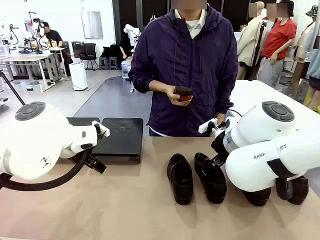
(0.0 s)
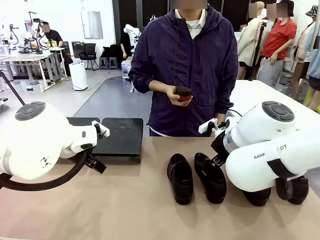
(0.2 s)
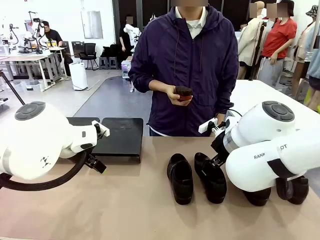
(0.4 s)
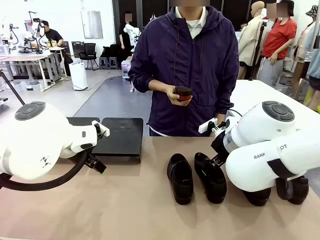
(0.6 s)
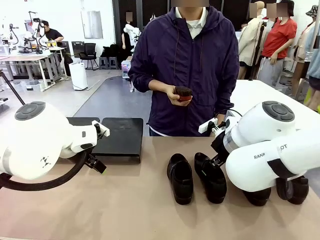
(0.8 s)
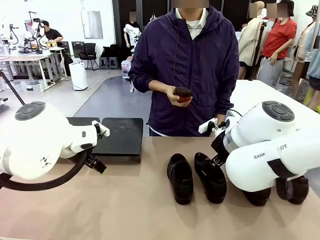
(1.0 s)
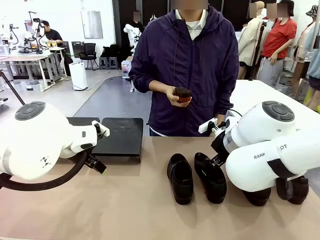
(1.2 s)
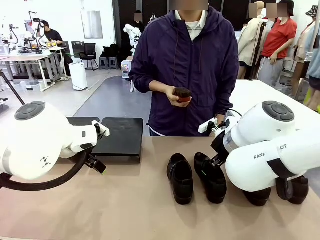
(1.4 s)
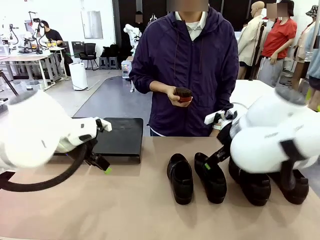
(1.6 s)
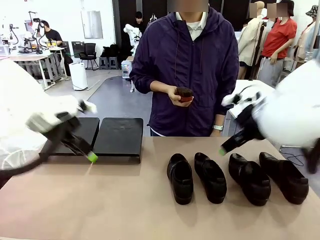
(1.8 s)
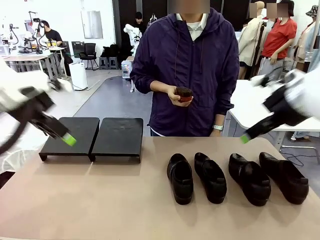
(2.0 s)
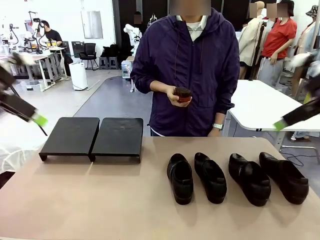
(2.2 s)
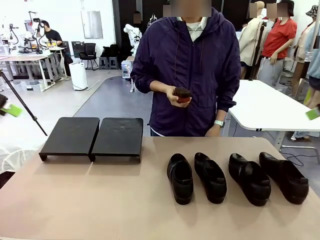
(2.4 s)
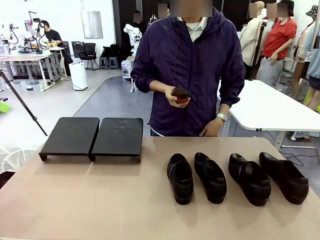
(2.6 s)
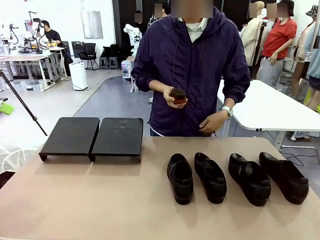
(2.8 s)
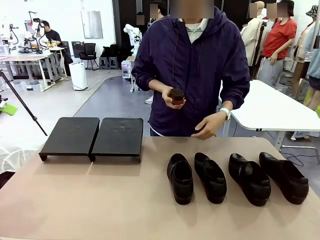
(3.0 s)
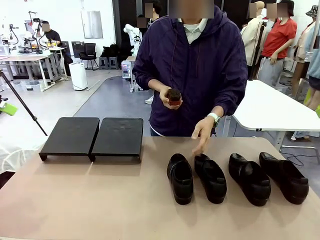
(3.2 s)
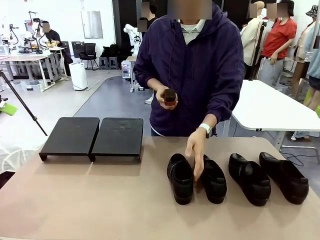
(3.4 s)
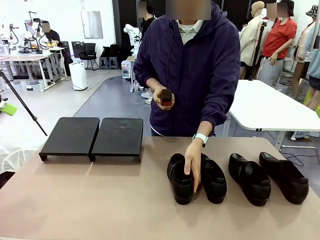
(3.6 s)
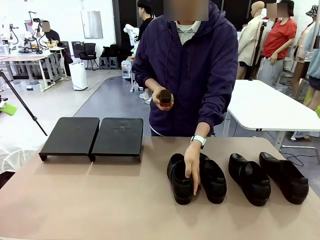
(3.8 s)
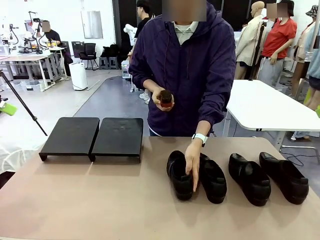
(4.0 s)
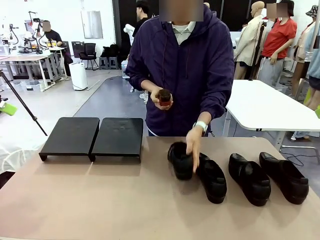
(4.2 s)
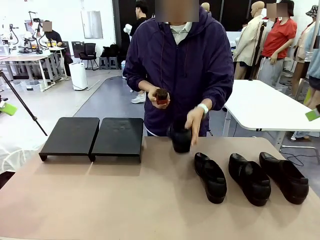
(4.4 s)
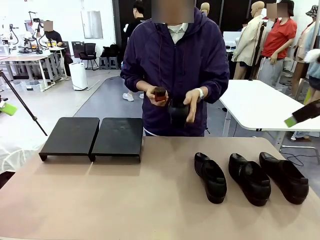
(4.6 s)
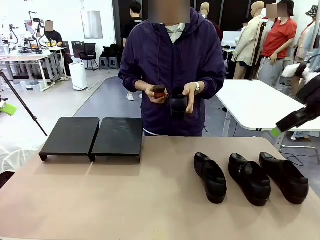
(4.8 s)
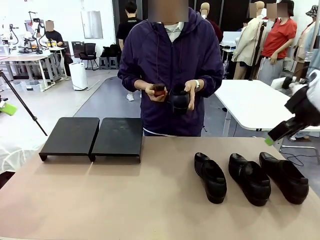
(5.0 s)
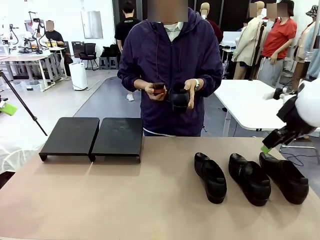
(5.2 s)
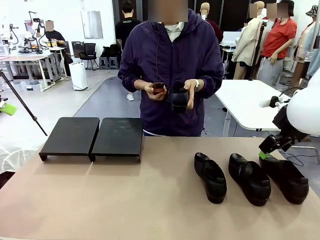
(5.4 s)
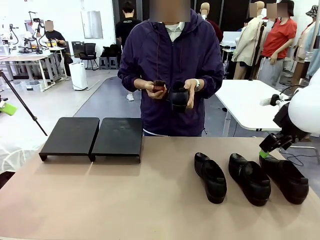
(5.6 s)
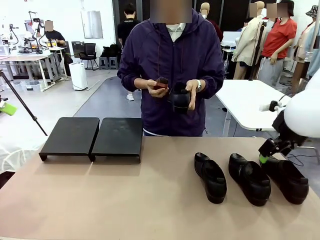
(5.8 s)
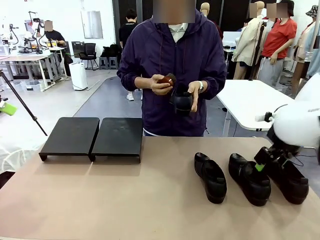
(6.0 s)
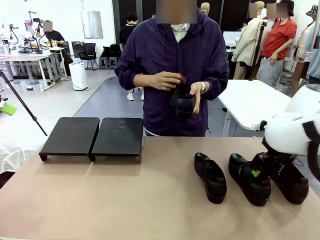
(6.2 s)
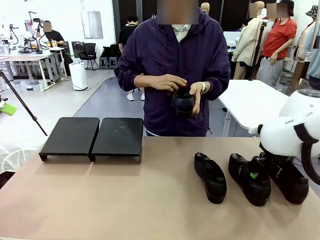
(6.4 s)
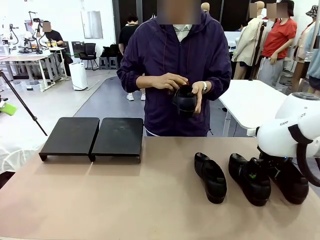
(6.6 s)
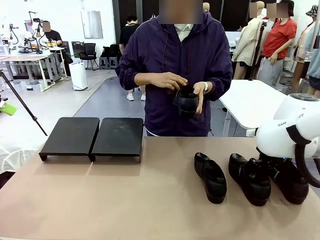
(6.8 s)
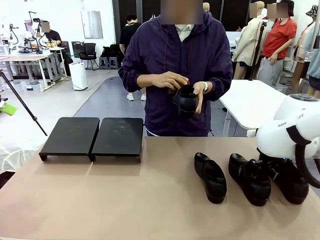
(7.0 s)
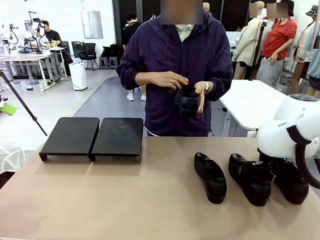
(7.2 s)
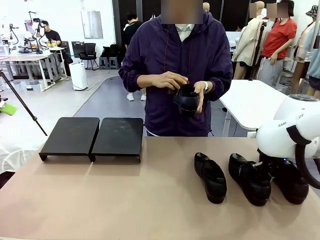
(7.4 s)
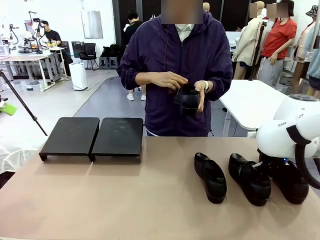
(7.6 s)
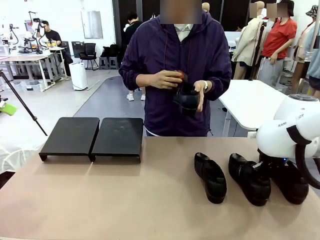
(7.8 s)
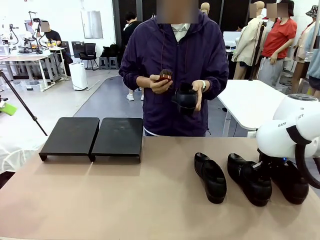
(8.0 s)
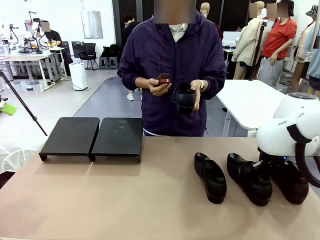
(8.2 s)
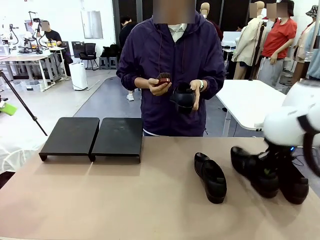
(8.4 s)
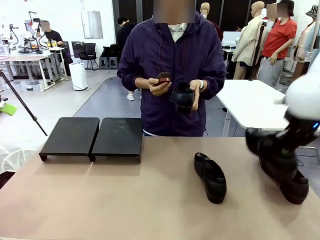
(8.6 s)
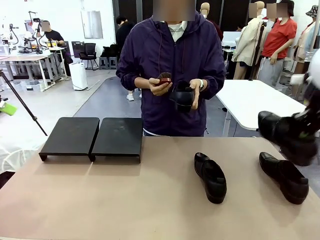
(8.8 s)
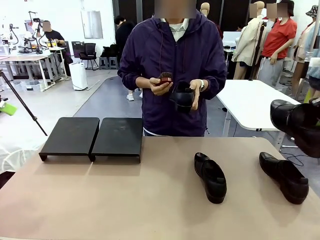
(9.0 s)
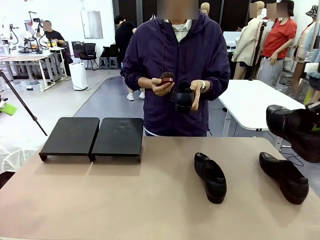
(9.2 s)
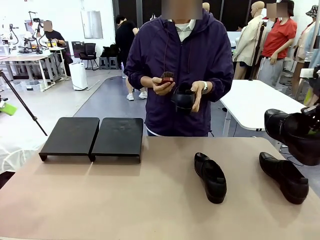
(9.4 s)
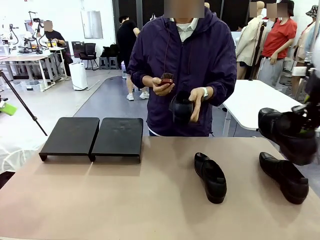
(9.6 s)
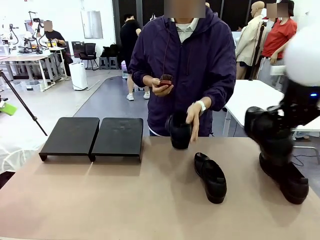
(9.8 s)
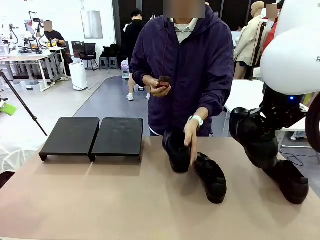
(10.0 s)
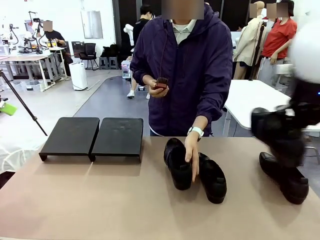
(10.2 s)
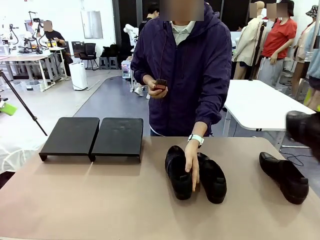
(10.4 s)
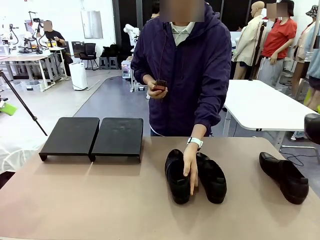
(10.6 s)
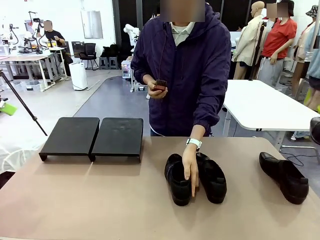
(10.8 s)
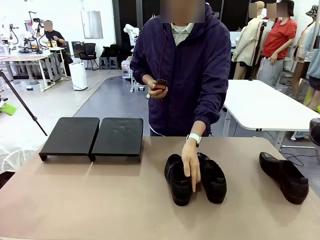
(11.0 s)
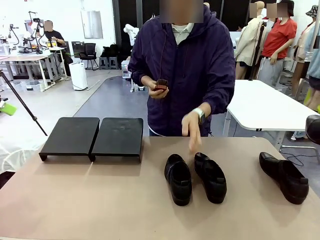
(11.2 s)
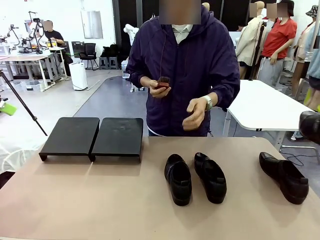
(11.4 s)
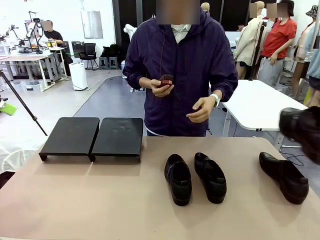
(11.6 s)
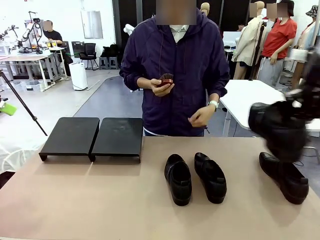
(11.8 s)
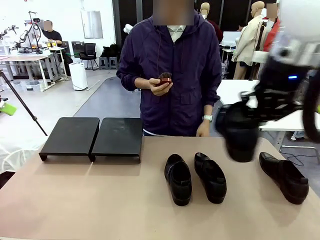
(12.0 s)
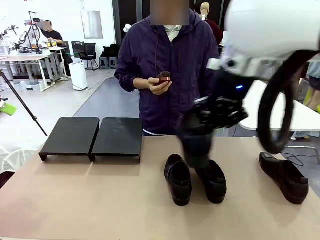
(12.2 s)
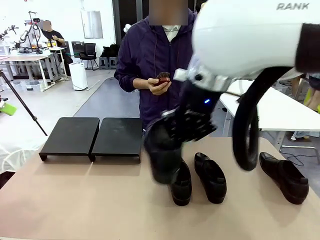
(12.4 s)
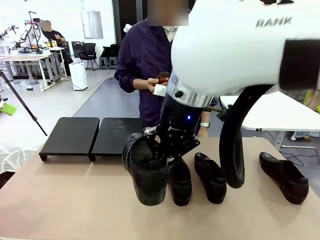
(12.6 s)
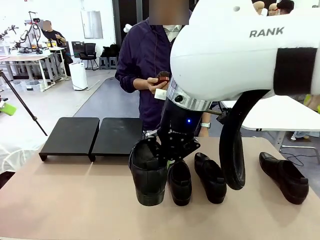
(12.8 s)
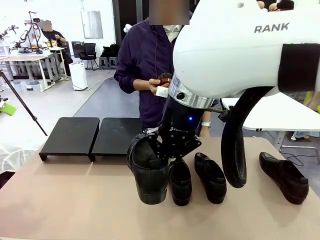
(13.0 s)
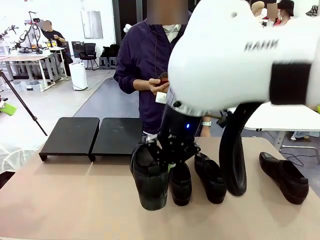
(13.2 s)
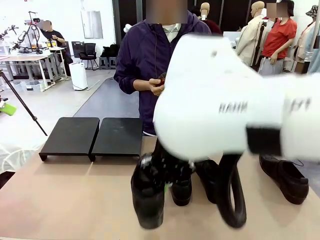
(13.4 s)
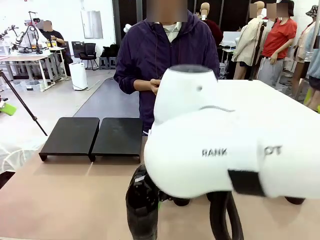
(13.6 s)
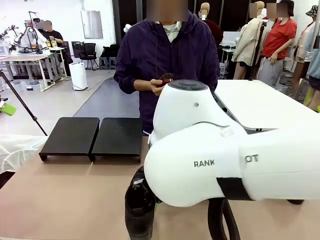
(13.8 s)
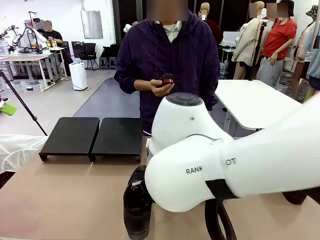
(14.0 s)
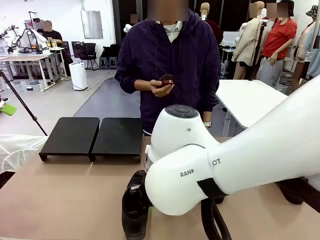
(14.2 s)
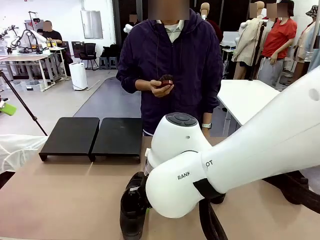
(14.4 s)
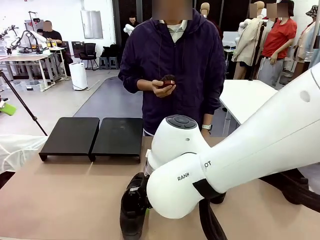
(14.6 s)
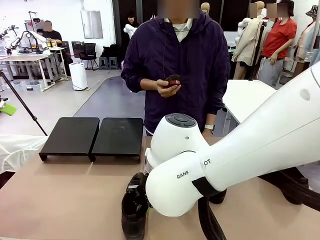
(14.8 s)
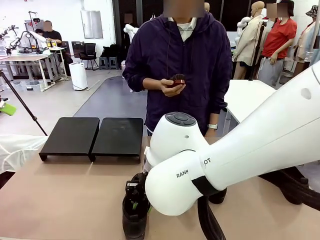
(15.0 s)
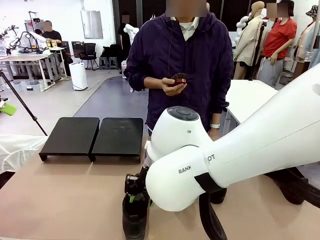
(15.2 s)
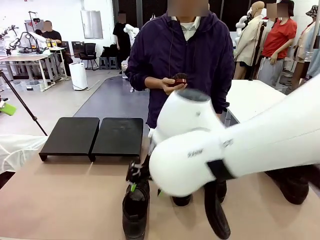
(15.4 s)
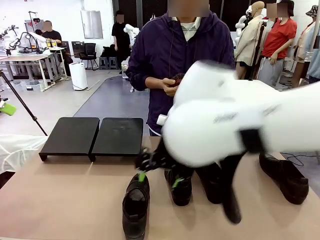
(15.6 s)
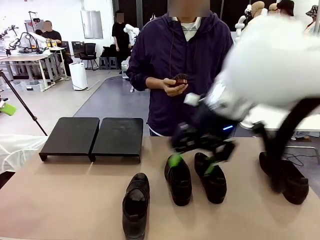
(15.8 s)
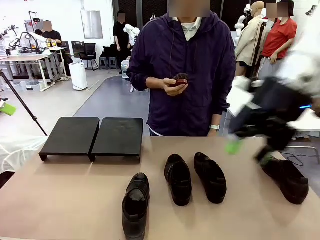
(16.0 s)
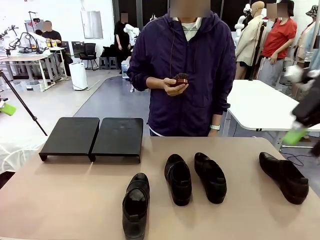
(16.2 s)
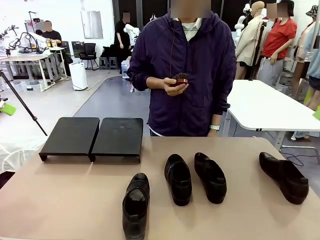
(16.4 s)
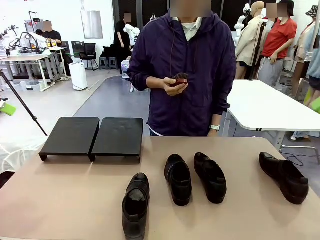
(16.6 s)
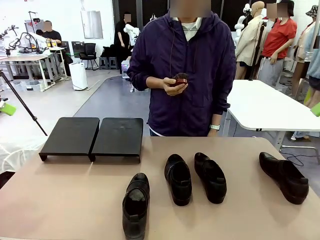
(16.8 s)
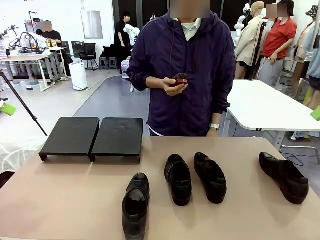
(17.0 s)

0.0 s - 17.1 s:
Task: Organize the shoes by placing them on the stand.
Robot: Pick up one Shoe and place it in the middle of the table.
Person: Pick one Shoe on Robot's table. Clean the Shoe with the Shoe Brush. Place the Shoe on left side of the Robot's table.
